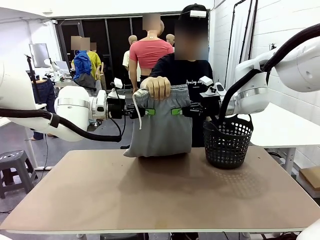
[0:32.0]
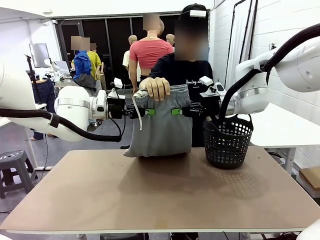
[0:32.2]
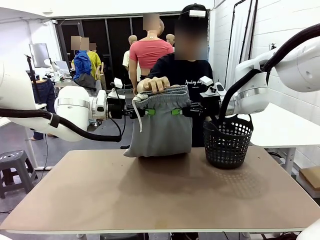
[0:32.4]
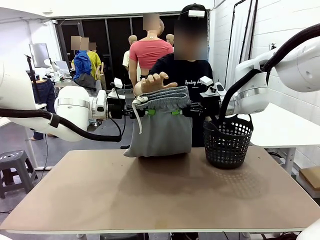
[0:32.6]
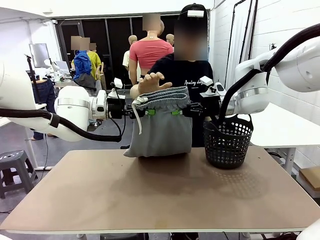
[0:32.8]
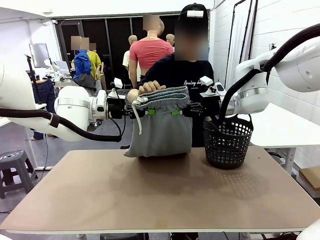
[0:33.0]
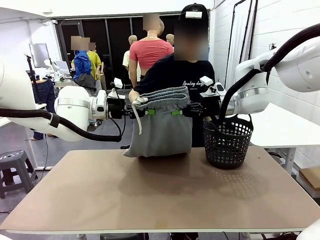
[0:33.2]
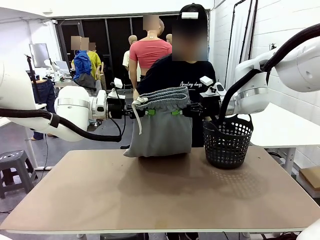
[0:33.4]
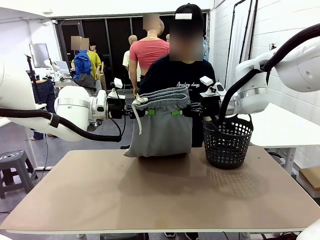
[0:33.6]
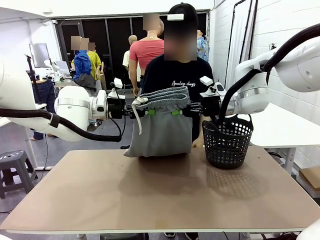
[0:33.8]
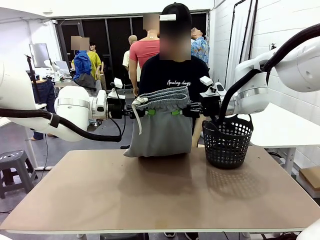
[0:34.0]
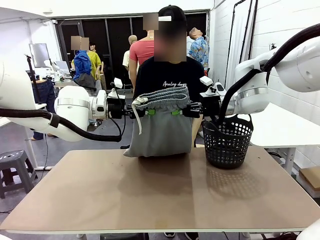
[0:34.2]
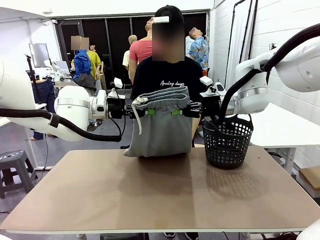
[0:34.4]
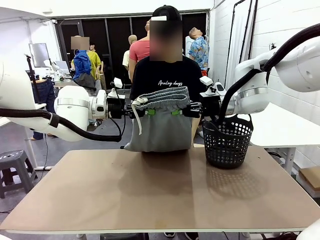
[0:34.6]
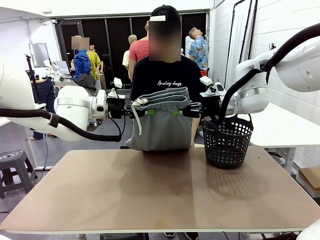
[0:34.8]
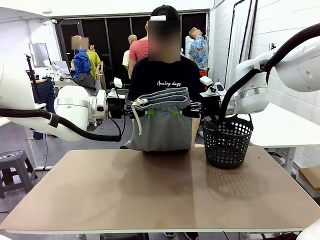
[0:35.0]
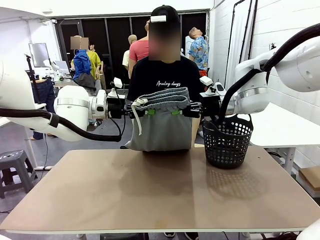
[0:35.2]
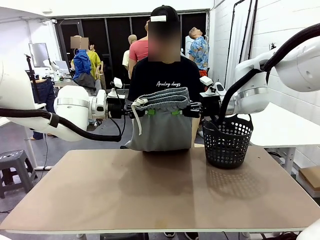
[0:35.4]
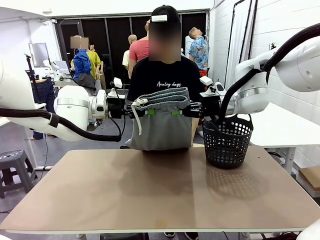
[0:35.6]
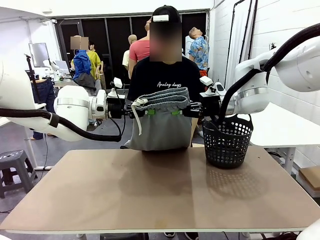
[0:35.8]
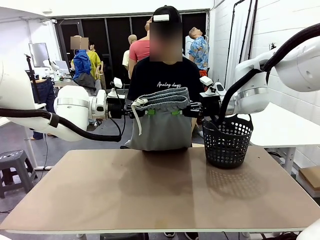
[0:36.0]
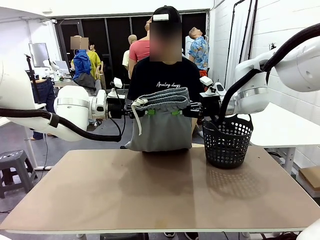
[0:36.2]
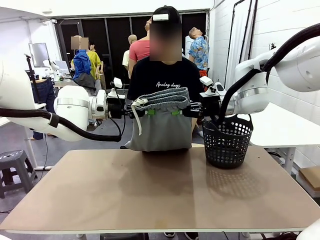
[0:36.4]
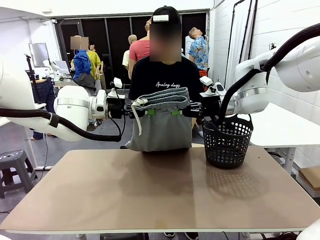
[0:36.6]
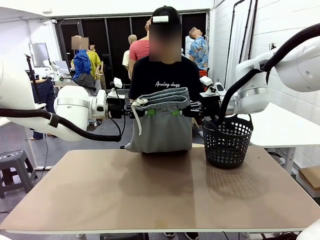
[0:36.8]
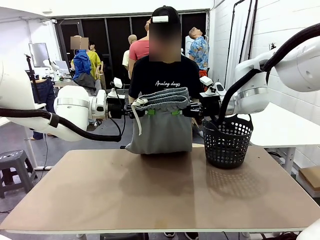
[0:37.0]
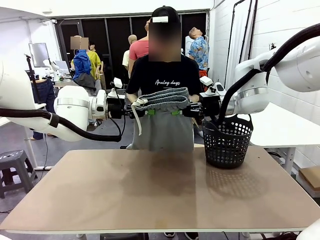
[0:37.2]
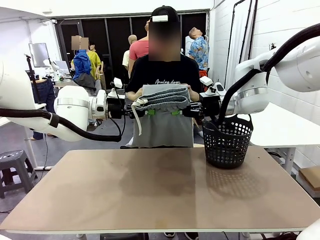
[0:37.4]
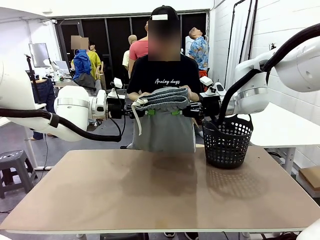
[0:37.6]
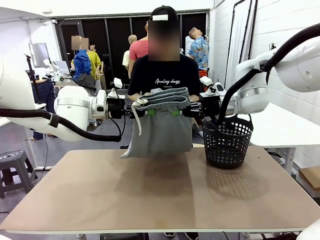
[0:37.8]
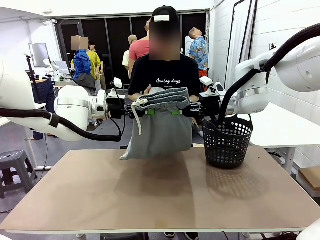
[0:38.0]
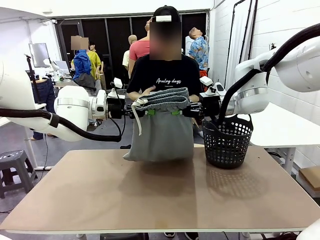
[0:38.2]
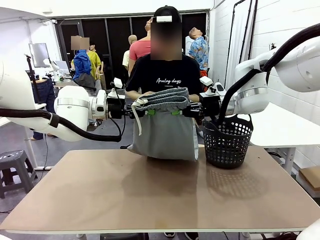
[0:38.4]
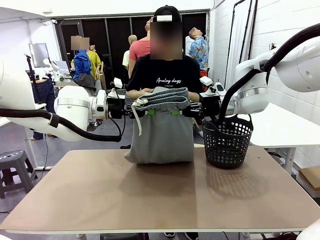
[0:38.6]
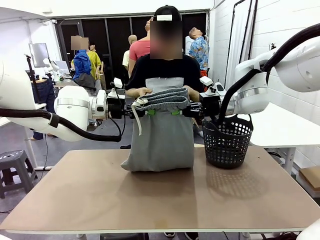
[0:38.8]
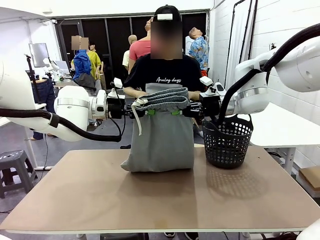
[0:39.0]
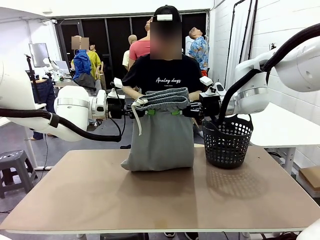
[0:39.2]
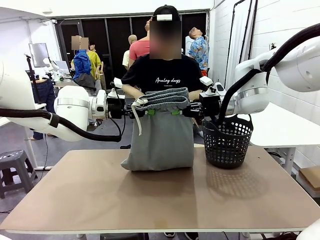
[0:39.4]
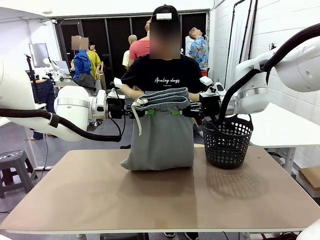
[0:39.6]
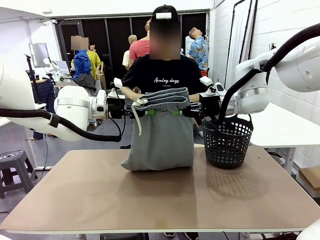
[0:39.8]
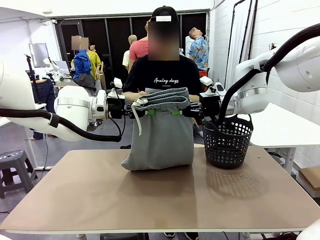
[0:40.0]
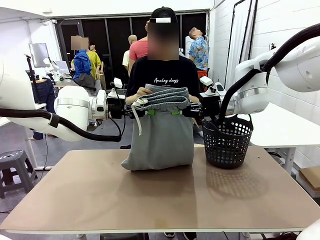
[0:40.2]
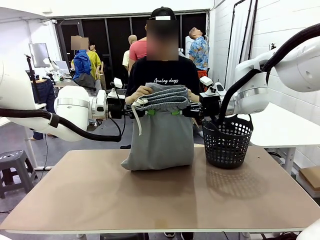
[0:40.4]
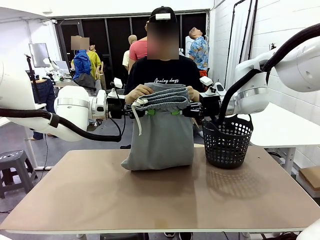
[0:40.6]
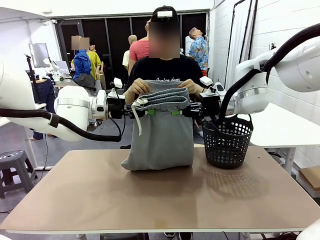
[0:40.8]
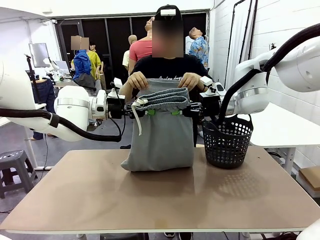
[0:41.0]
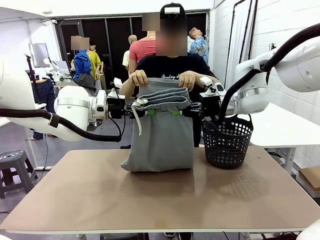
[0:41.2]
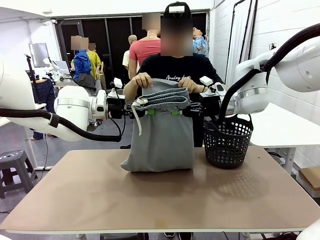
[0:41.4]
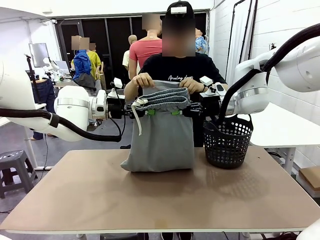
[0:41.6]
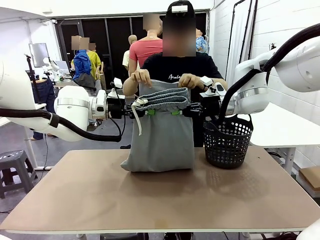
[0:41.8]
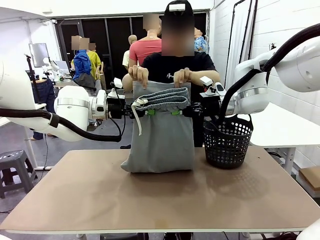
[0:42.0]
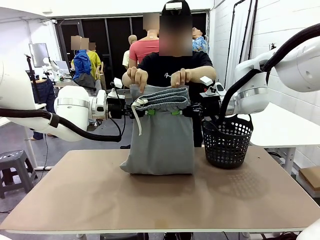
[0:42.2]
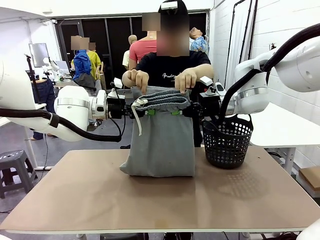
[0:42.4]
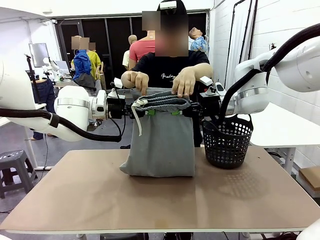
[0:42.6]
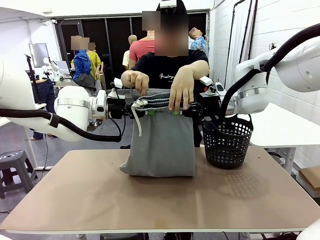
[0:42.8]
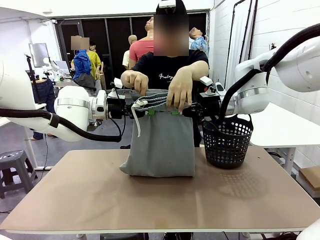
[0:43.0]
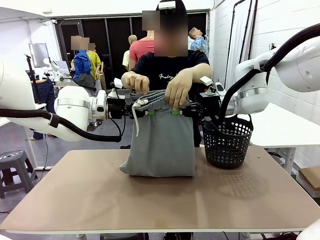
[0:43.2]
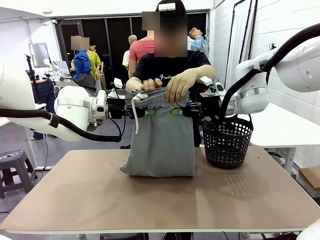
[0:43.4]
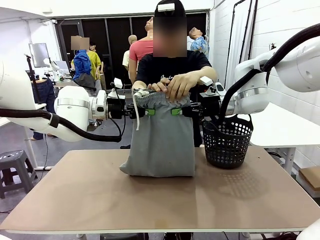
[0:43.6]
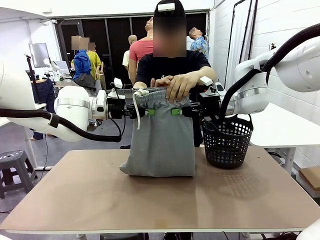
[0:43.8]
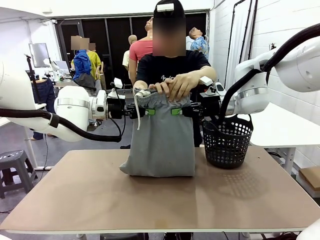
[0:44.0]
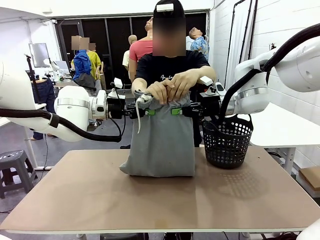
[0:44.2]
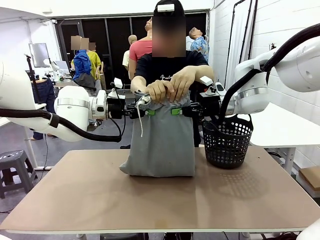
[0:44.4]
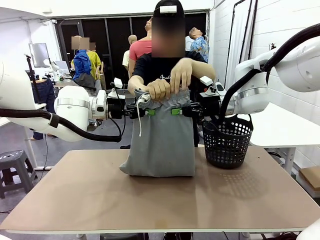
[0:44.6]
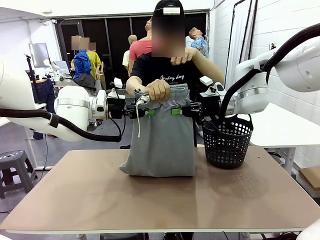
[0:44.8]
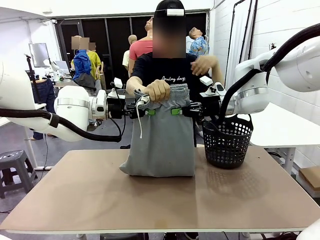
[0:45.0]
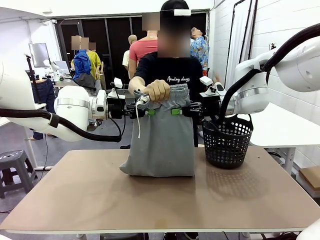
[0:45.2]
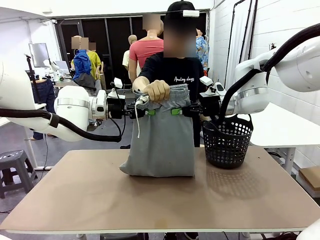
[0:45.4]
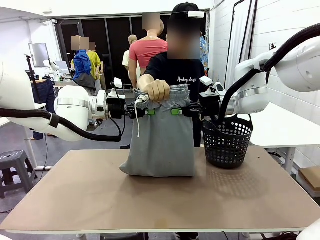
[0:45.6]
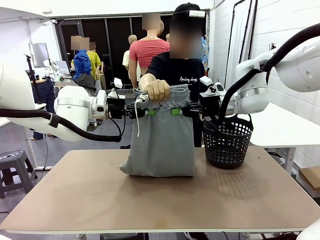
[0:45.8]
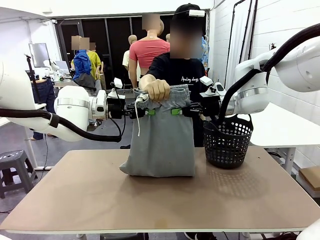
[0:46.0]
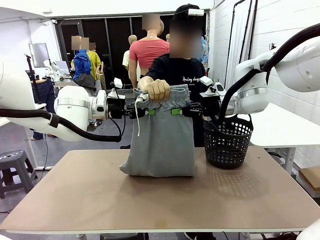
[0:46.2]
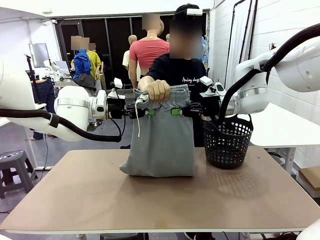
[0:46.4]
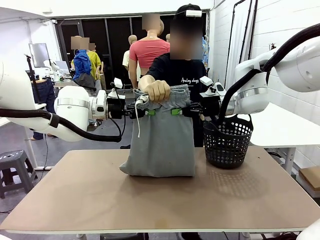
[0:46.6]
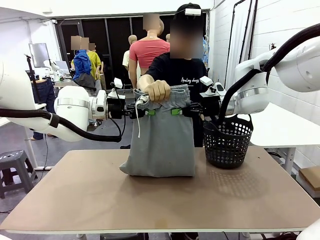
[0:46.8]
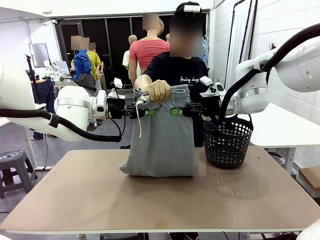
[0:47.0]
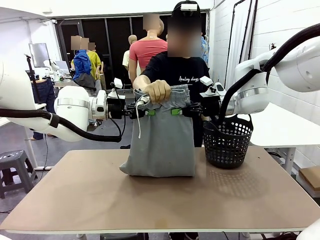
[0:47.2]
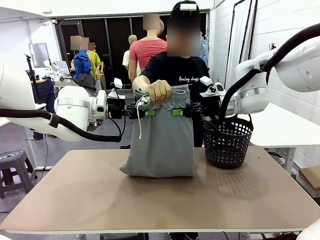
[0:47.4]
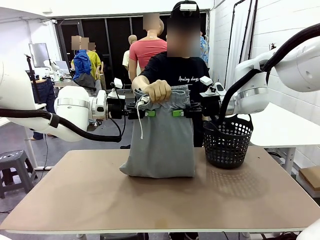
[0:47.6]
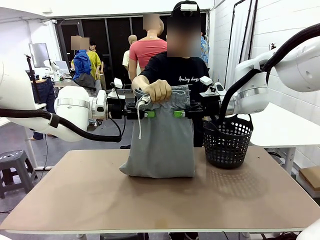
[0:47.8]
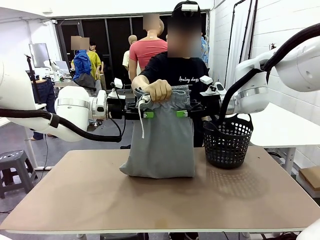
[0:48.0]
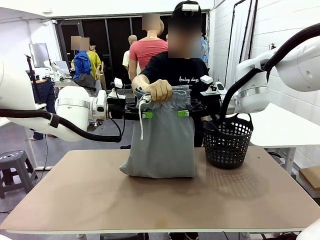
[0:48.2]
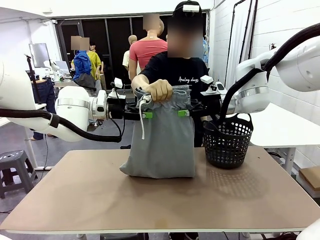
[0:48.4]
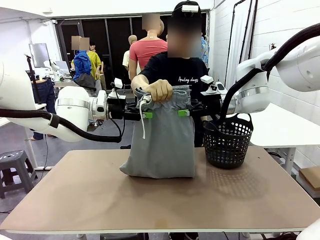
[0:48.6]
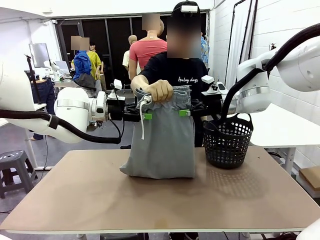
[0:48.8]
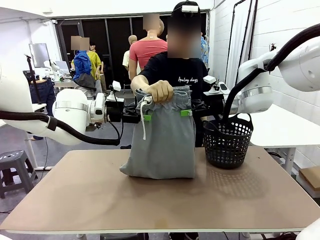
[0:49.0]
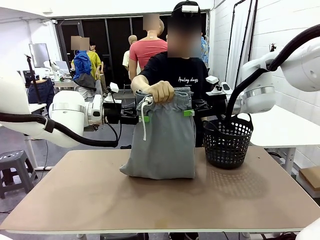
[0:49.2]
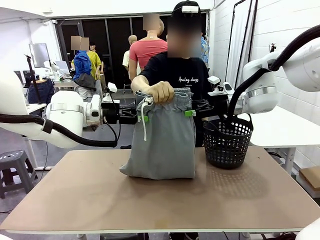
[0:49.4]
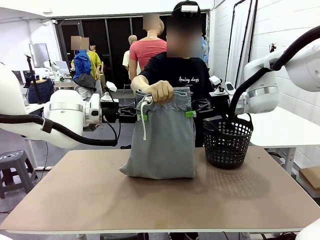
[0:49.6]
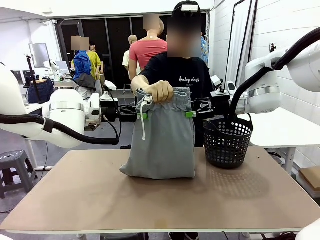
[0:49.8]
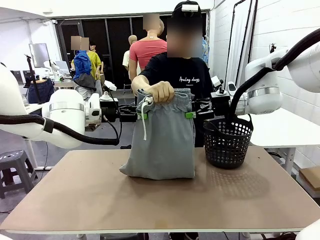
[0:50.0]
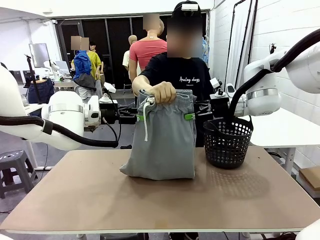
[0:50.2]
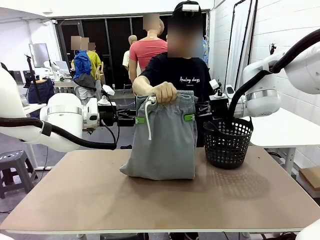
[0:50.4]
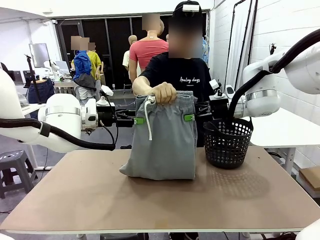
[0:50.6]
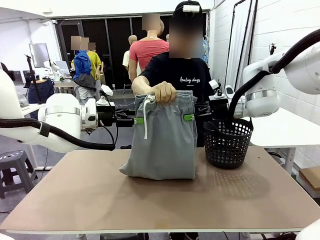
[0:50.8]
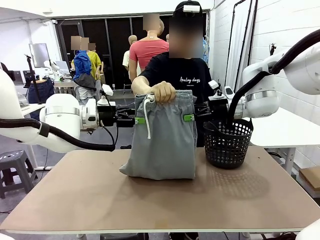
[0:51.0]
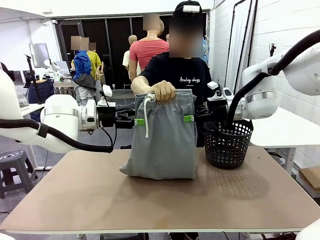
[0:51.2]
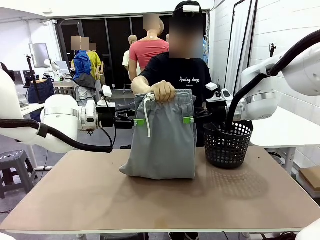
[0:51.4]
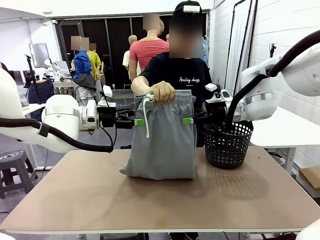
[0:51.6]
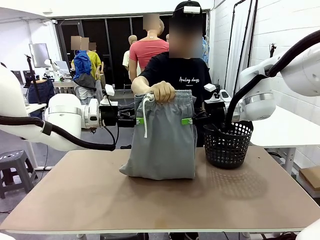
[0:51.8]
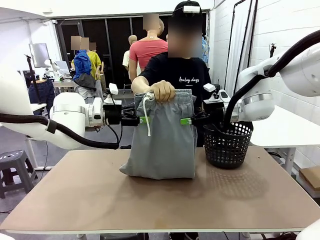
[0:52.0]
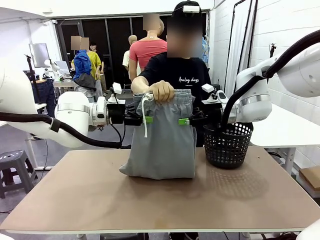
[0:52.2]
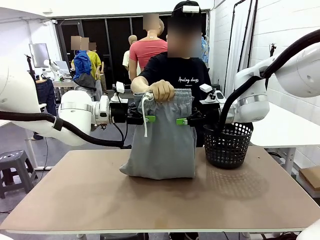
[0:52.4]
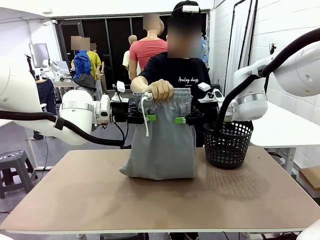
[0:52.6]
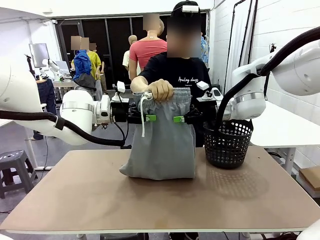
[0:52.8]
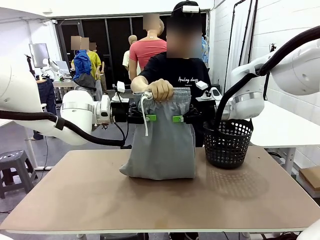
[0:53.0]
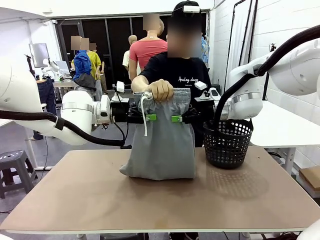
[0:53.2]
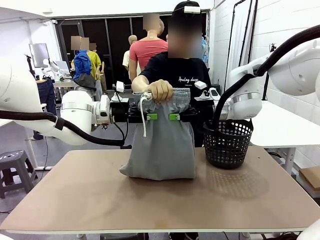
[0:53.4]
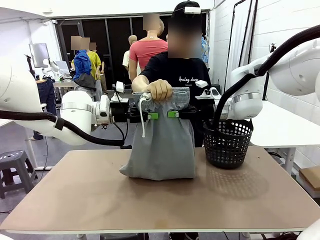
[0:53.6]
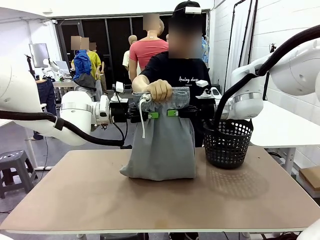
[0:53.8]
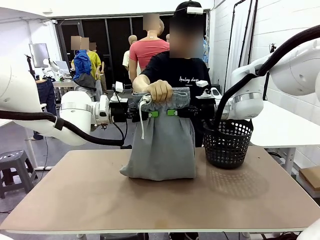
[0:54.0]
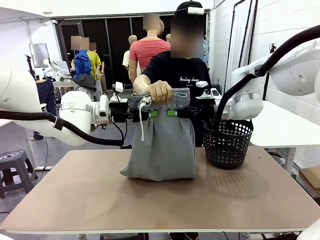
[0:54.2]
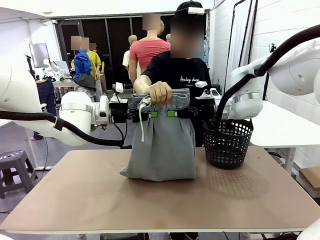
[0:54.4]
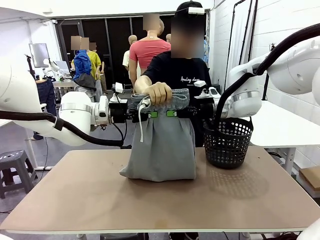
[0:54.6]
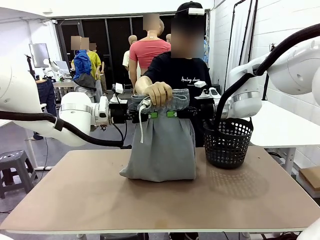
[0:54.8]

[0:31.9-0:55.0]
Task: Fold the training pants.
Robot: Release the ends of the Training pants and then grab the overlapped ends.
Person: Grasp the end opposite the point the robot is holding, fold the pants in half, and then grasp the overlapping top end of the folded pants. Release the pants you were holding.
